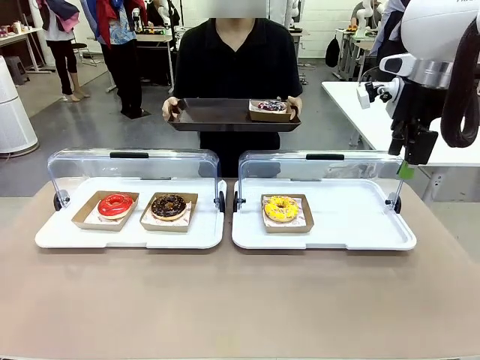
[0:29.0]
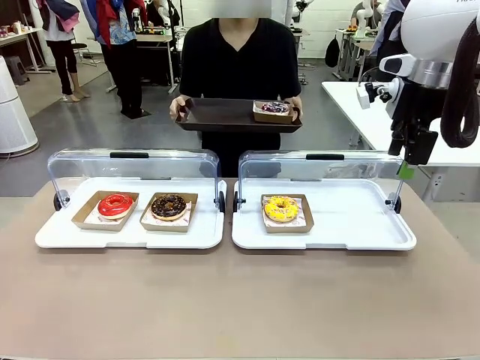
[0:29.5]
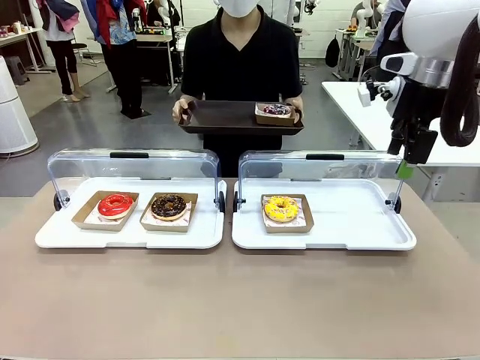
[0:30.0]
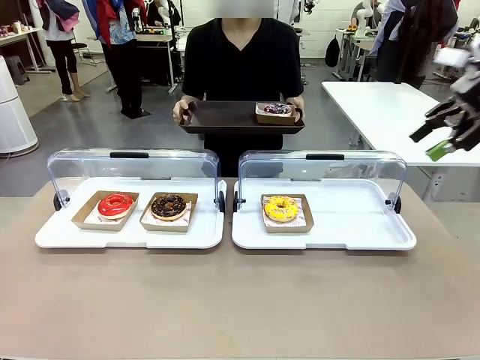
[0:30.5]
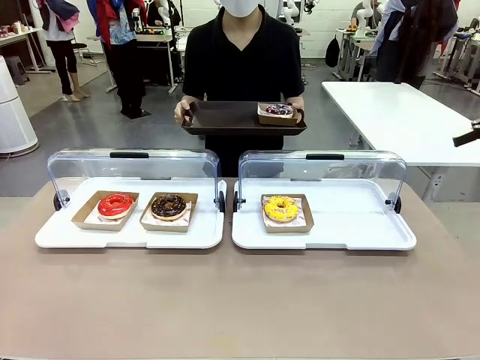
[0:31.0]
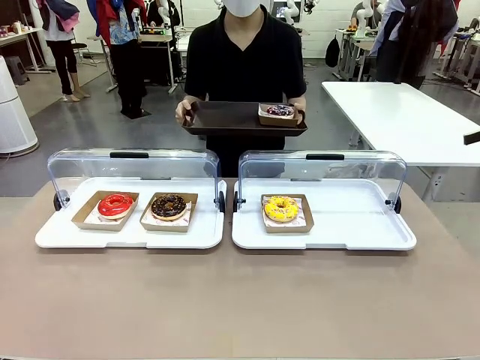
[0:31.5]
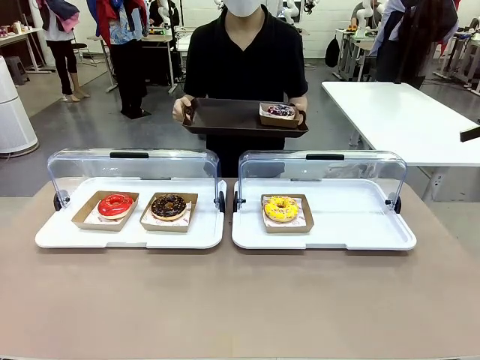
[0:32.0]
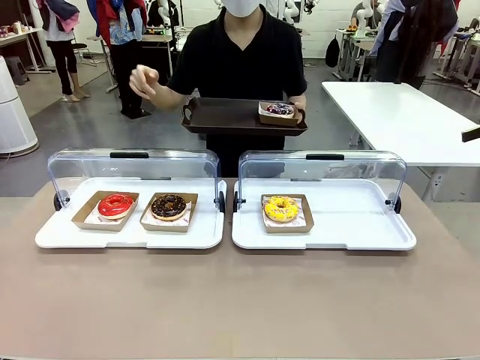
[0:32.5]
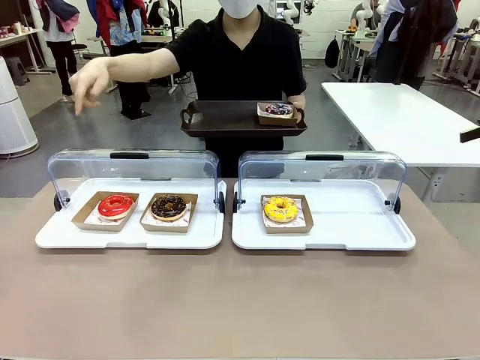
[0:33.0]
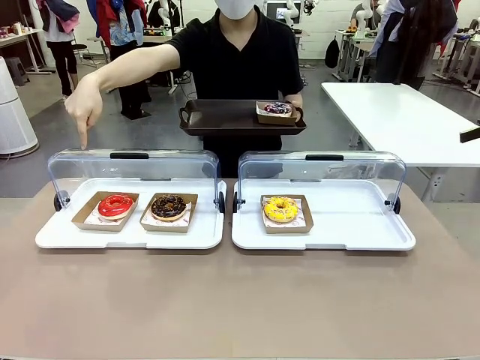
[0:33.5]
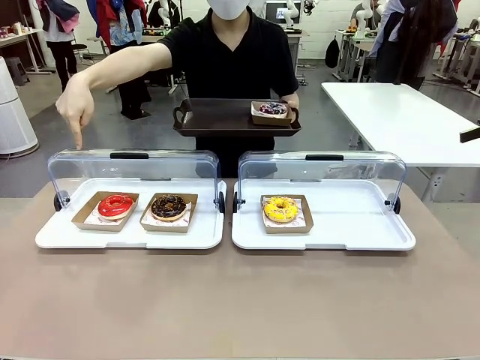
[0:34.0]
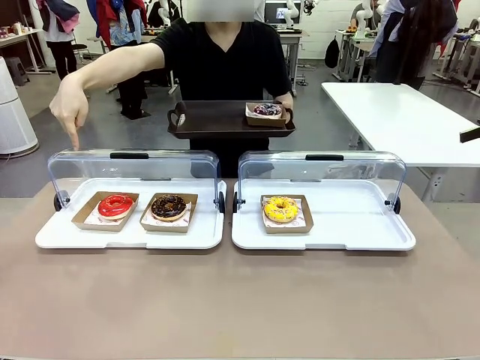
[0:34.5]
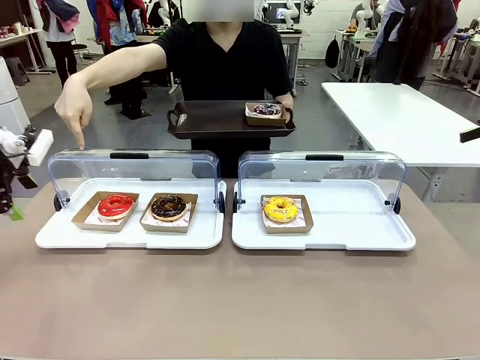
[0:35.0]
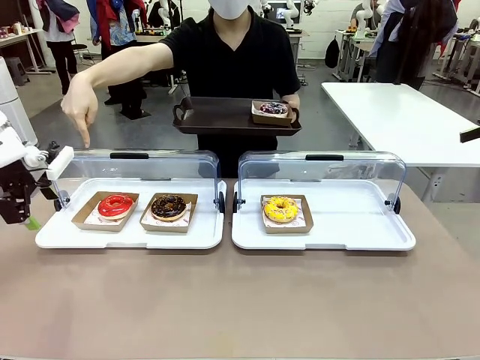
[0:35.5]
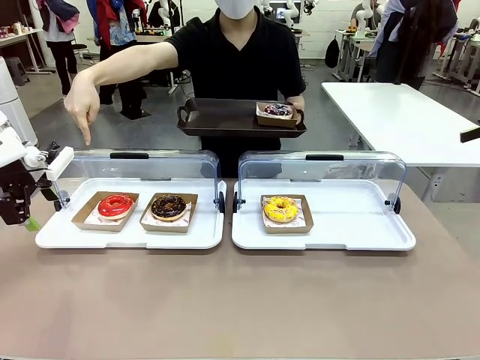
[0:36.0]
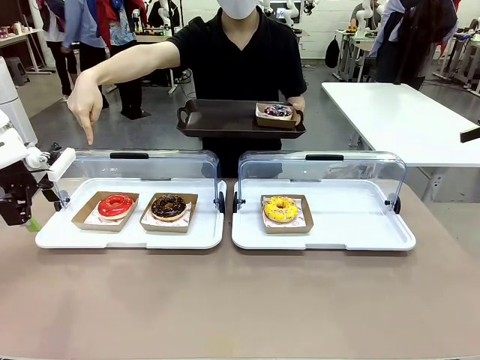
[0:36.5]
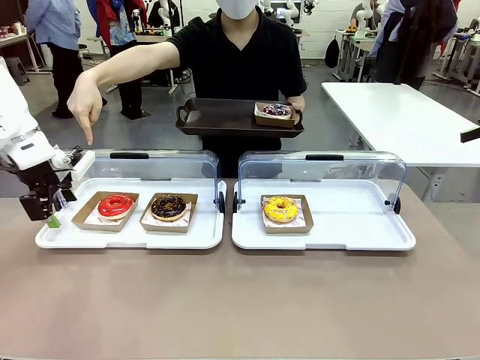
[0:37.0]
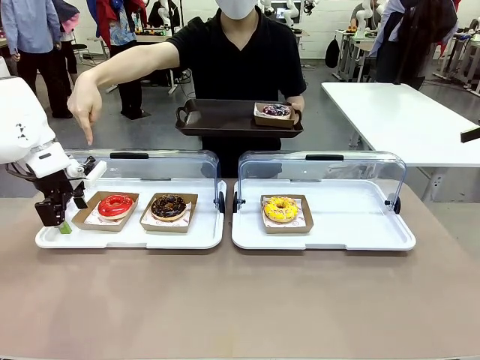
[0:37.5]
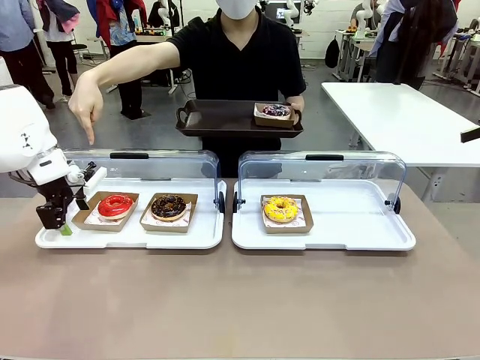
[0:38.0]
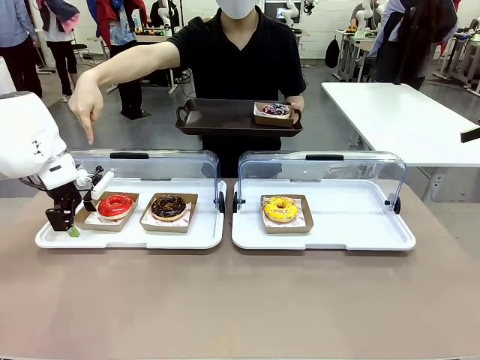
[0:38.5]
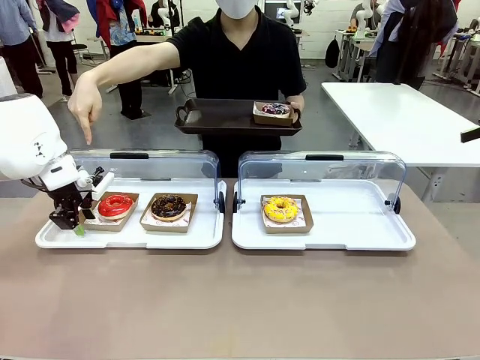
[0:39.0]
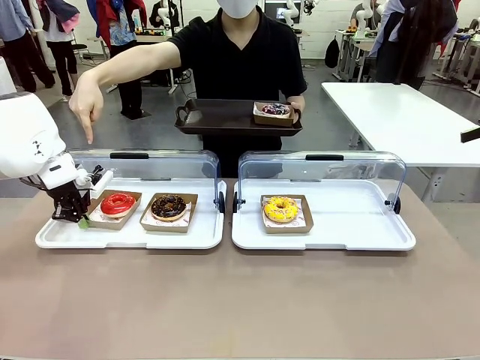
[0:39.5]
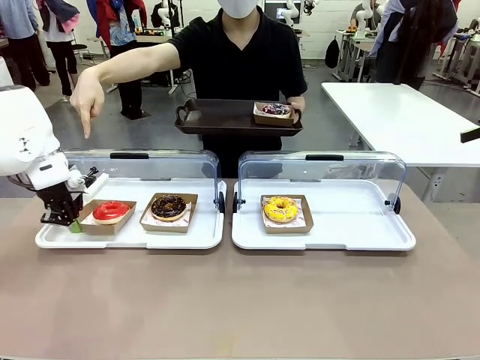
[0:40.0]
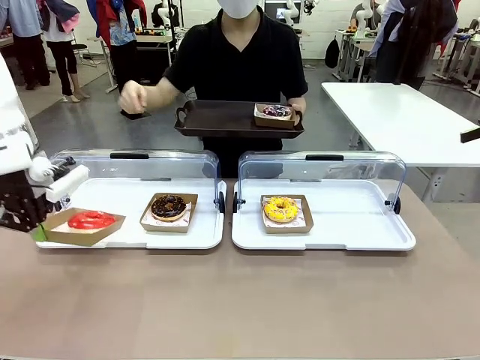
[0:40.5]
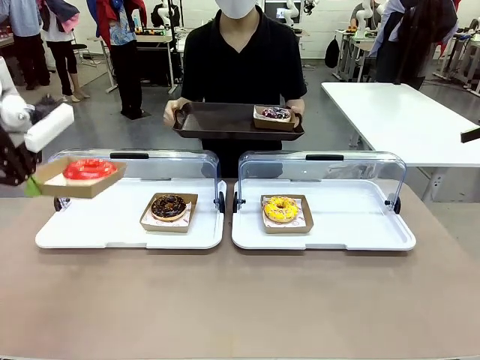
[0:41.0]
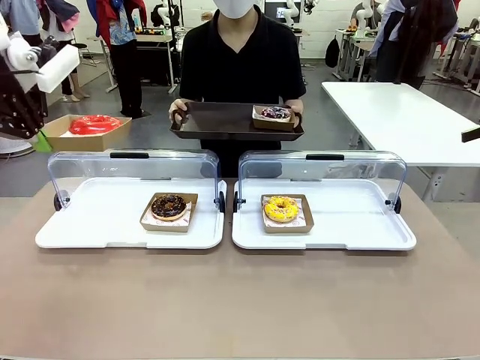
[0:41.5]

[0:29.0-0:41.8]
Task: Provide the desired donut to the person.
Robot: Pick up and lift the Paper togo box containing the Donut pointed at by the person.
Person: Point to one donut. Lift the tray onto the Roll-Top Bakery Case.

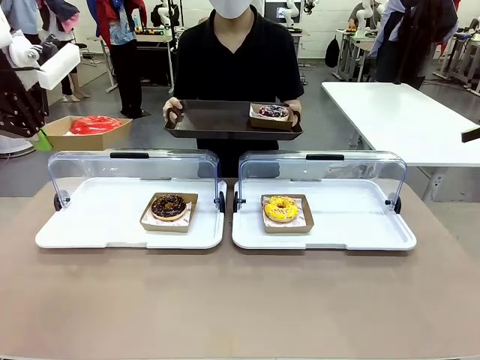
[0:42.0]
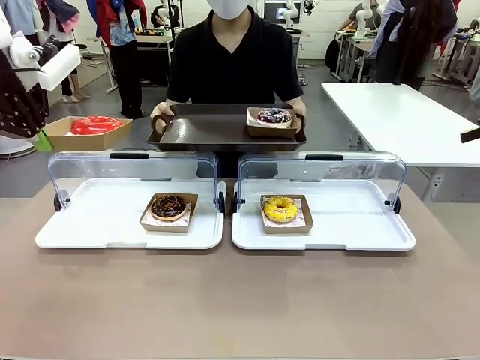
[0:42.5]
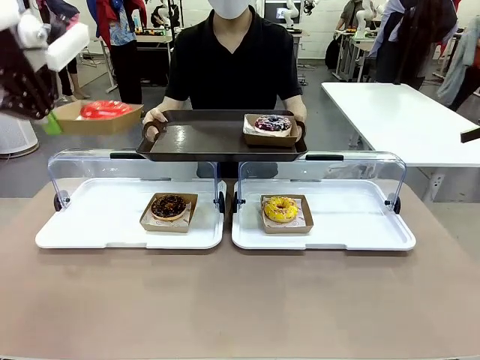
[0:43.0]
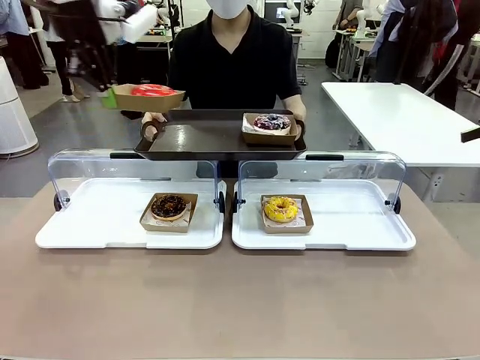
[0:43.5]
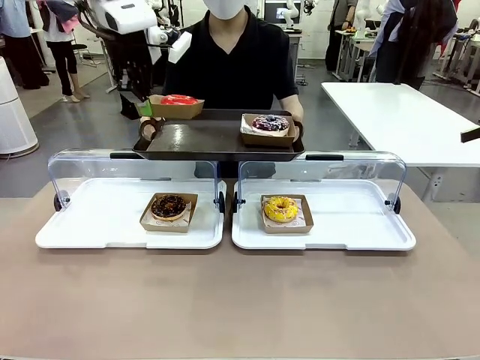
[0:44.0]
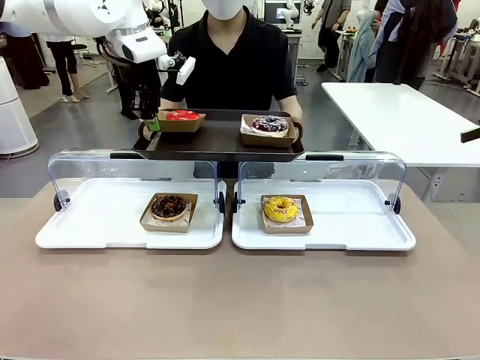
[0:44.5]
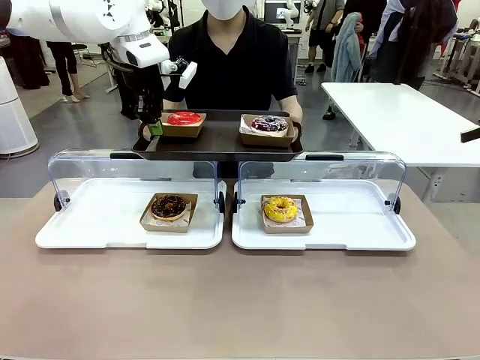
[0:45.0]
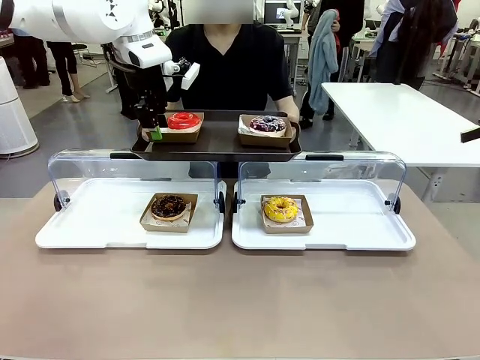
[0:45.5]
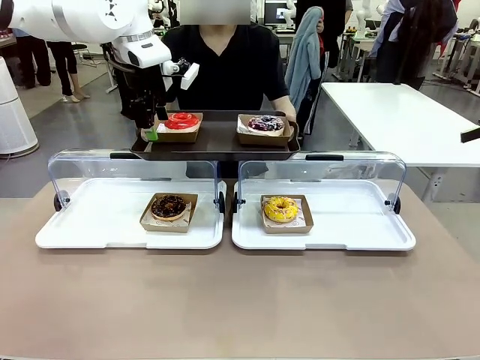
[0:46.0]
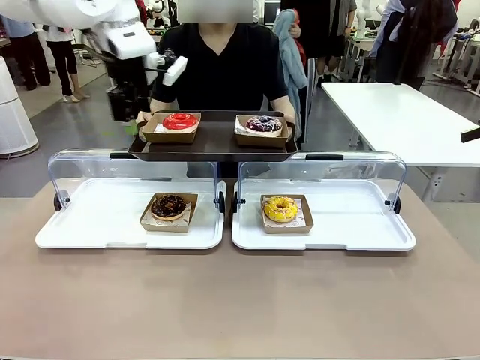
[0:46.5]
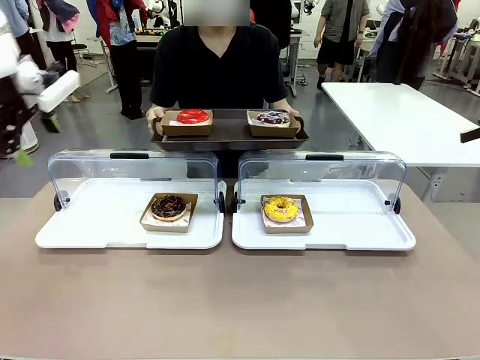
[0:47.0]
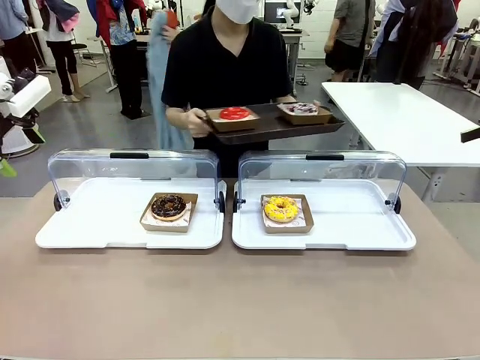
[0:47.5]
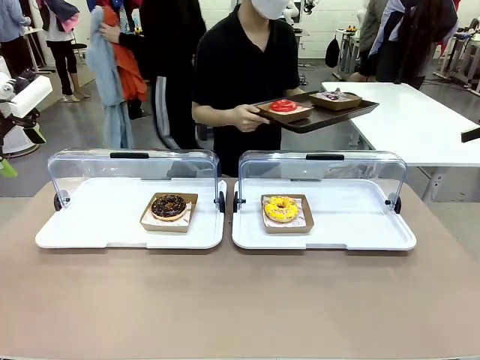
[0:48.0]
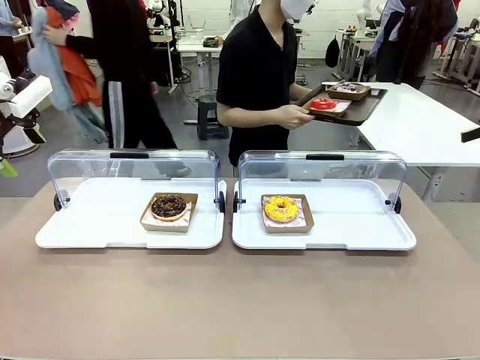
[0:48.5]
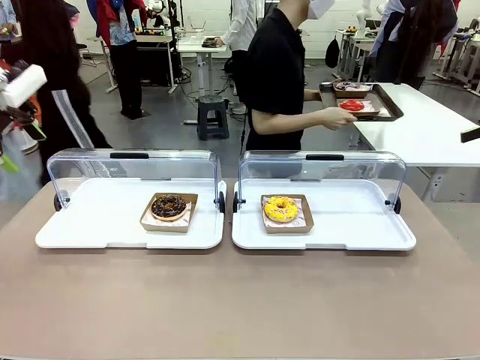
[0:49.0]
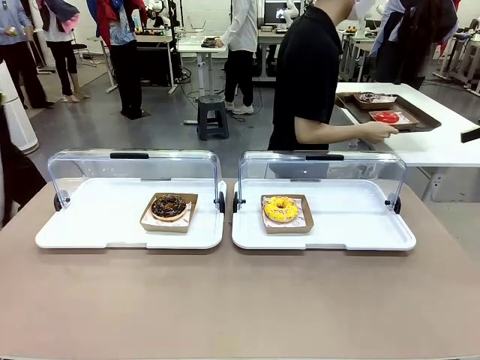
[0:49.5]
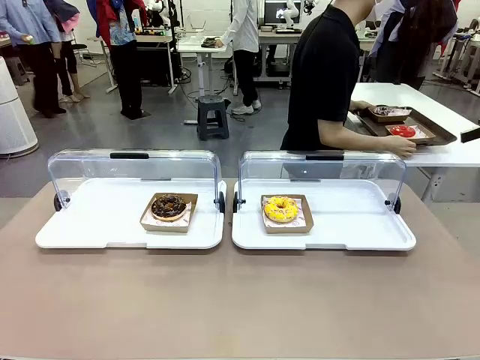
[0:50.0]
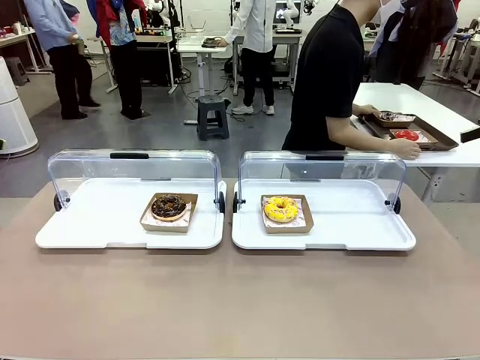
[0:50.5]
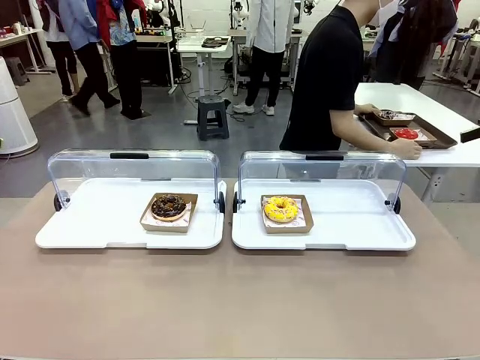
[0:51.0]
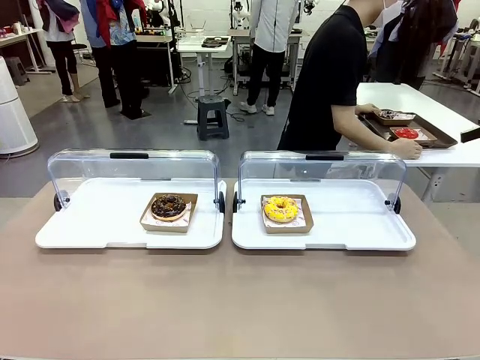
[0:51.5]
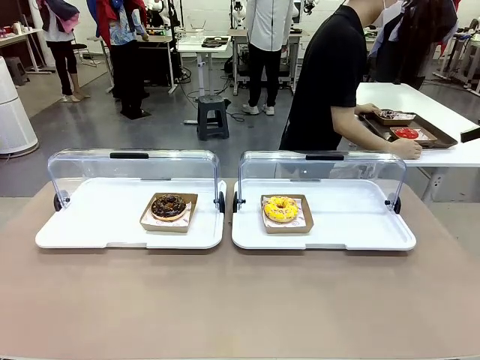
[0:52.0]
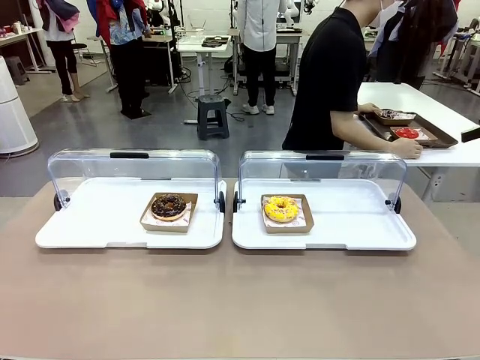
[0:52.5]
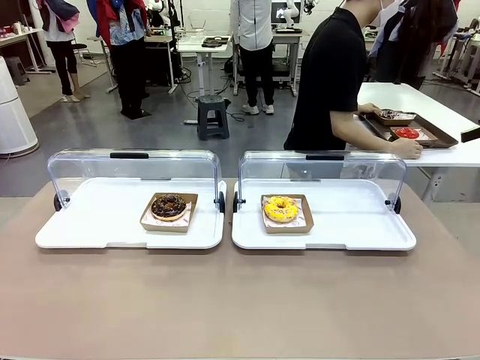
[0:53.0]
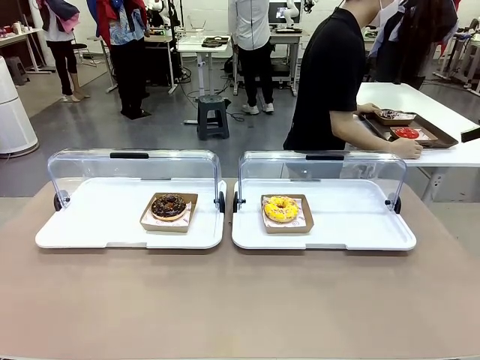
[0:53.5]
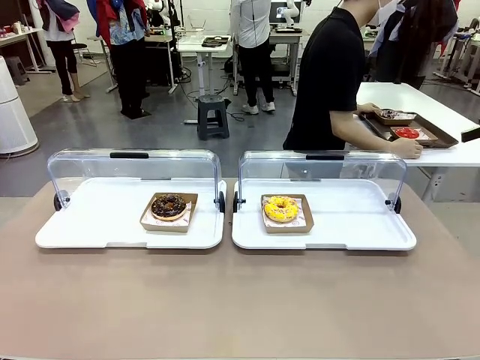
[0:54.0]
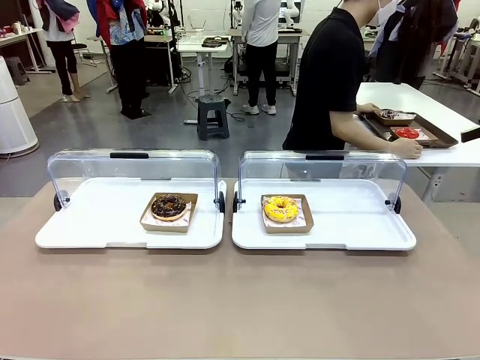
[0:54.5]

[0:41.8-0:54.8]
Robot: Place the picked Paper togo box onto the Handle tray extended by the person.
Person: Place the tray in the middle of the human table.
